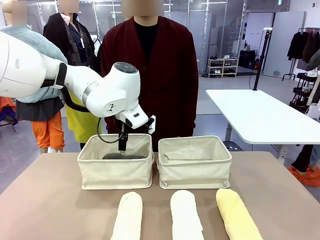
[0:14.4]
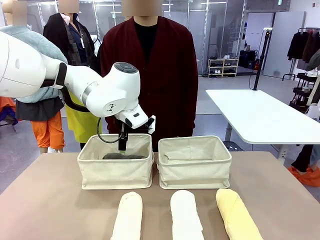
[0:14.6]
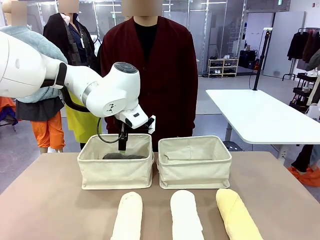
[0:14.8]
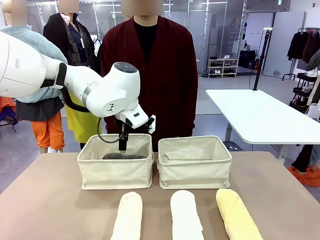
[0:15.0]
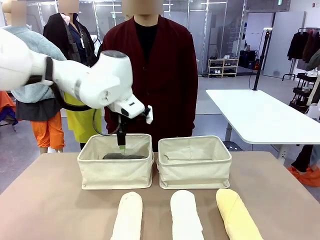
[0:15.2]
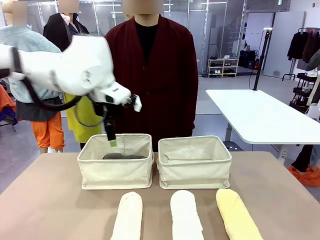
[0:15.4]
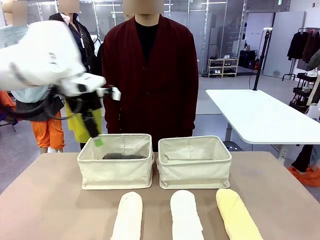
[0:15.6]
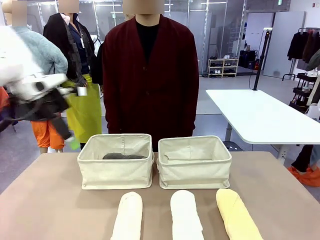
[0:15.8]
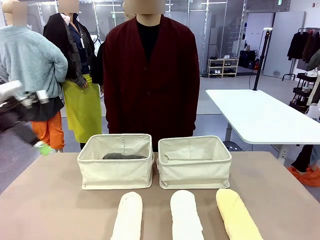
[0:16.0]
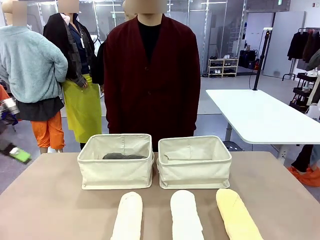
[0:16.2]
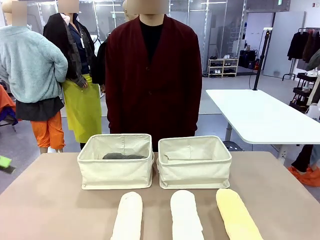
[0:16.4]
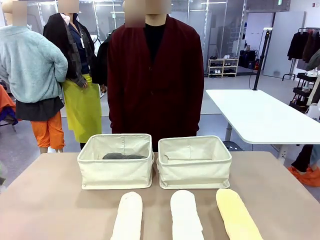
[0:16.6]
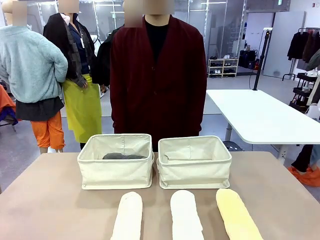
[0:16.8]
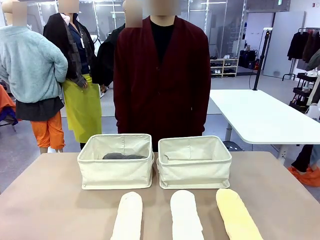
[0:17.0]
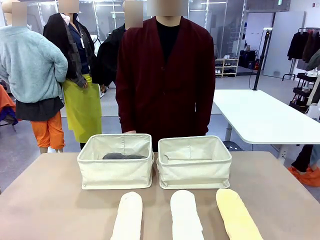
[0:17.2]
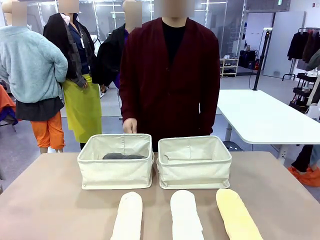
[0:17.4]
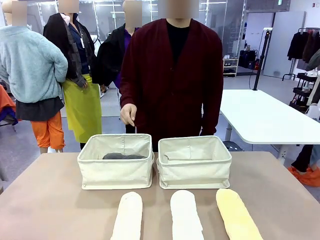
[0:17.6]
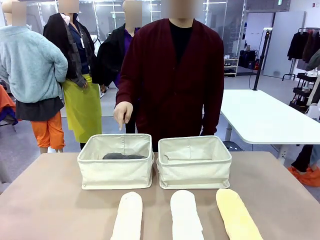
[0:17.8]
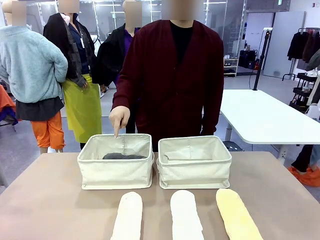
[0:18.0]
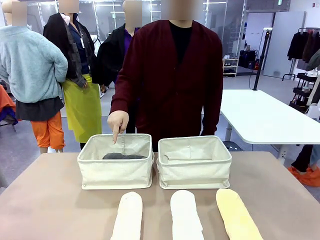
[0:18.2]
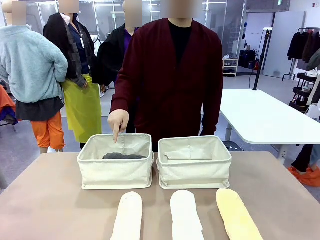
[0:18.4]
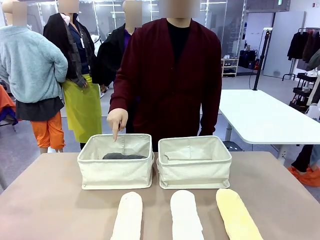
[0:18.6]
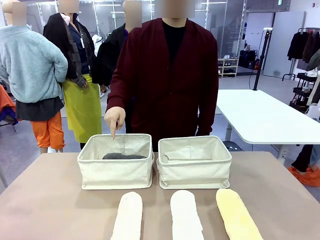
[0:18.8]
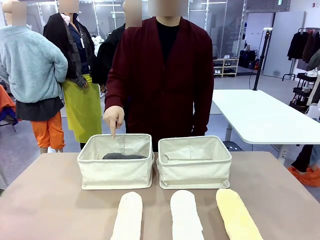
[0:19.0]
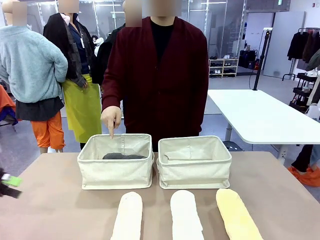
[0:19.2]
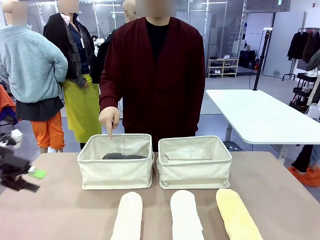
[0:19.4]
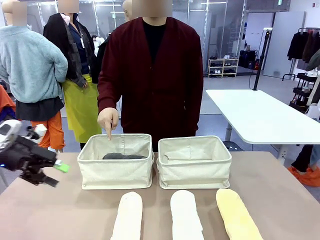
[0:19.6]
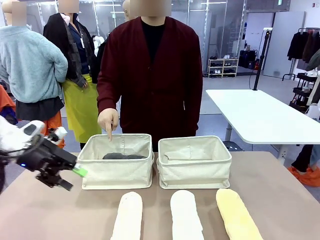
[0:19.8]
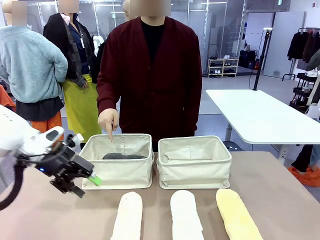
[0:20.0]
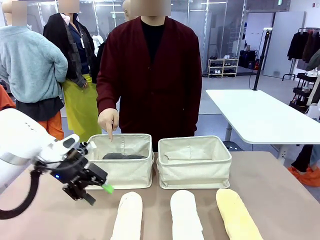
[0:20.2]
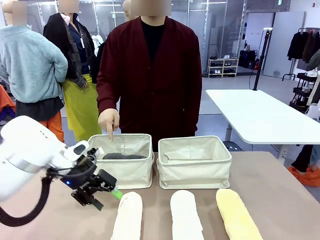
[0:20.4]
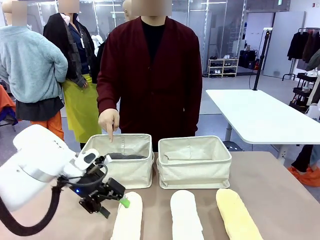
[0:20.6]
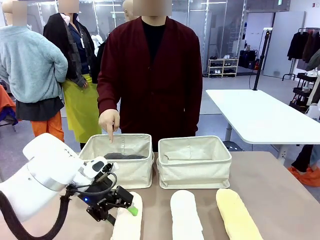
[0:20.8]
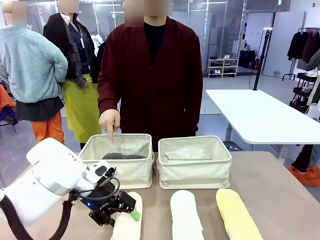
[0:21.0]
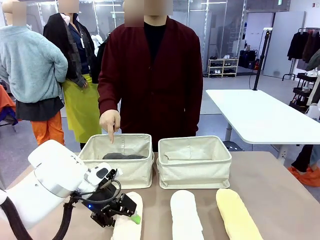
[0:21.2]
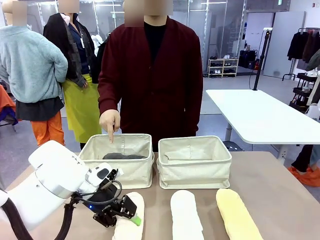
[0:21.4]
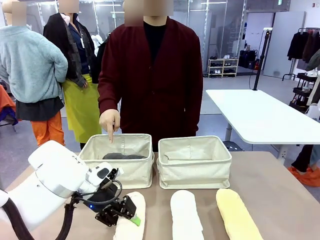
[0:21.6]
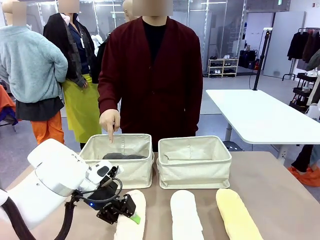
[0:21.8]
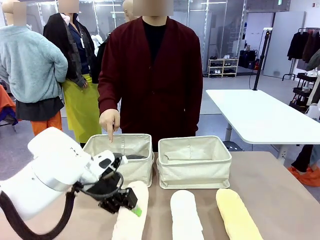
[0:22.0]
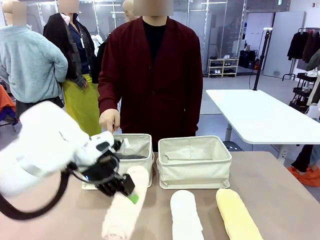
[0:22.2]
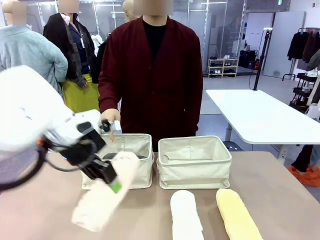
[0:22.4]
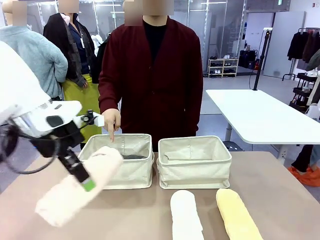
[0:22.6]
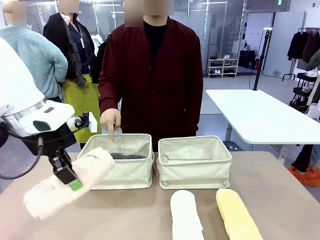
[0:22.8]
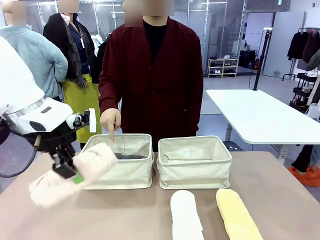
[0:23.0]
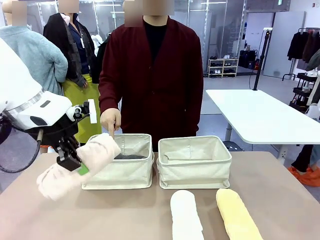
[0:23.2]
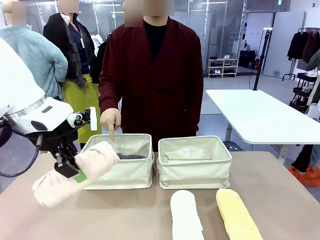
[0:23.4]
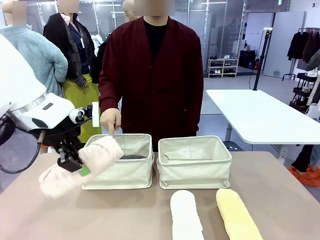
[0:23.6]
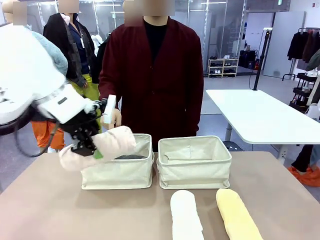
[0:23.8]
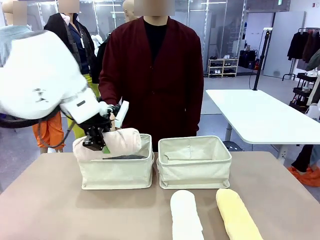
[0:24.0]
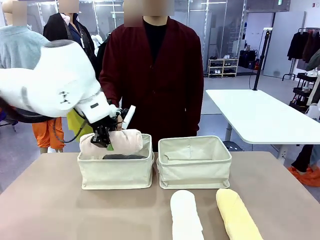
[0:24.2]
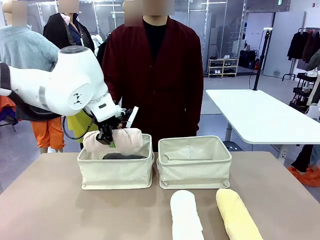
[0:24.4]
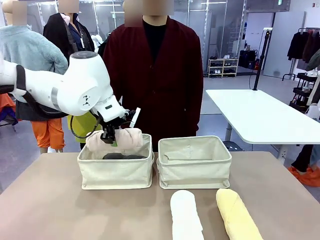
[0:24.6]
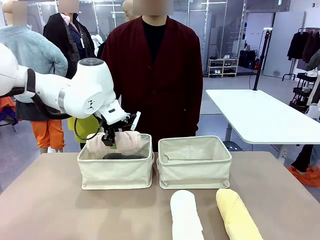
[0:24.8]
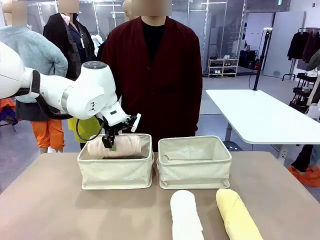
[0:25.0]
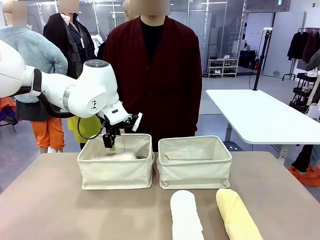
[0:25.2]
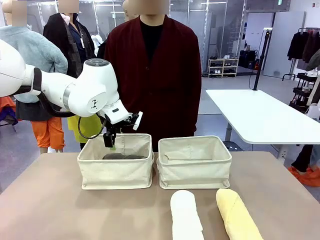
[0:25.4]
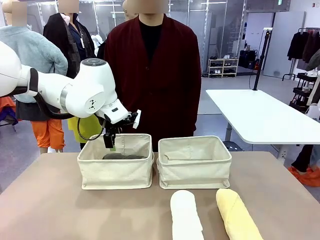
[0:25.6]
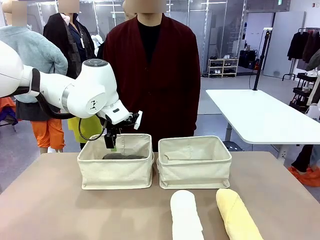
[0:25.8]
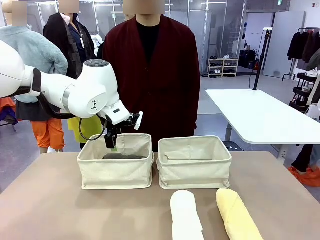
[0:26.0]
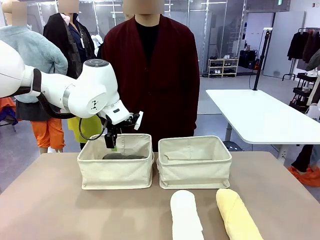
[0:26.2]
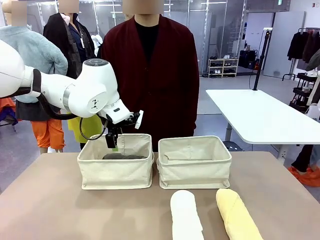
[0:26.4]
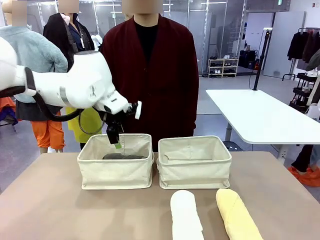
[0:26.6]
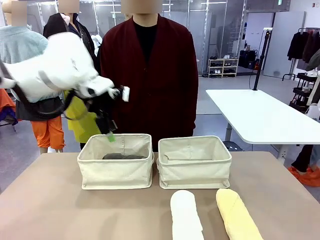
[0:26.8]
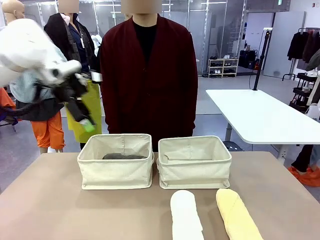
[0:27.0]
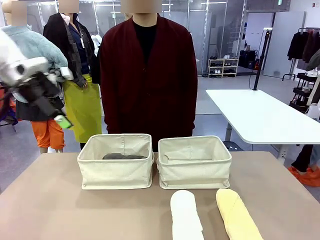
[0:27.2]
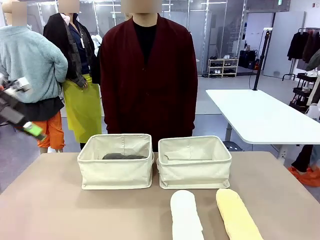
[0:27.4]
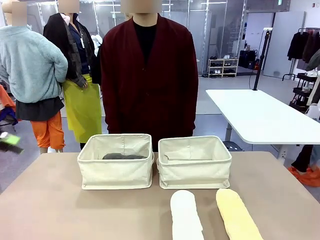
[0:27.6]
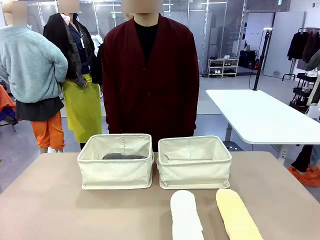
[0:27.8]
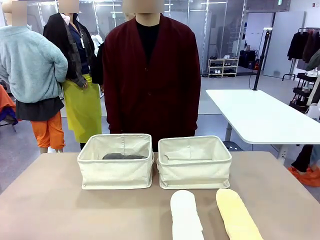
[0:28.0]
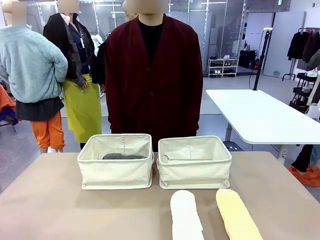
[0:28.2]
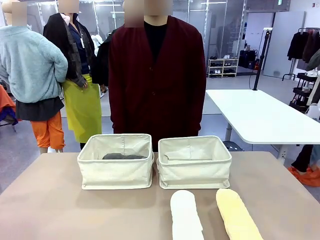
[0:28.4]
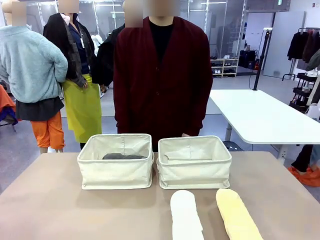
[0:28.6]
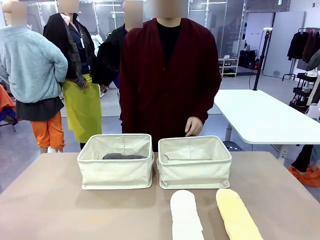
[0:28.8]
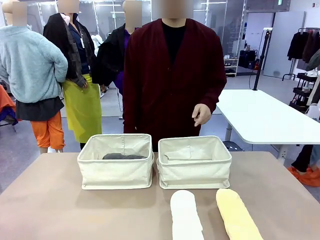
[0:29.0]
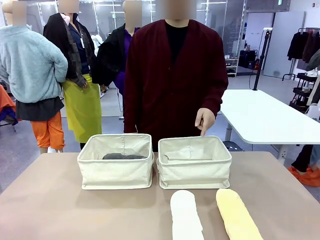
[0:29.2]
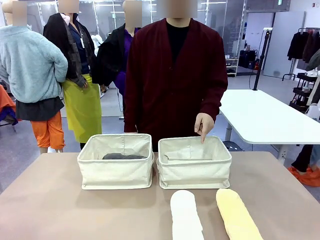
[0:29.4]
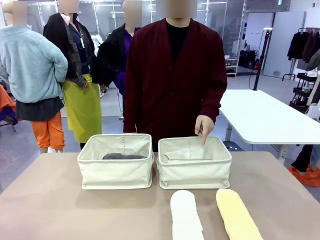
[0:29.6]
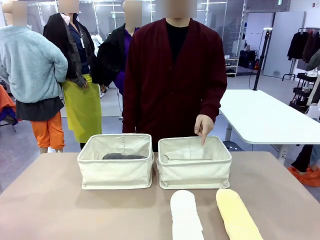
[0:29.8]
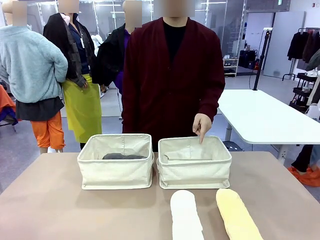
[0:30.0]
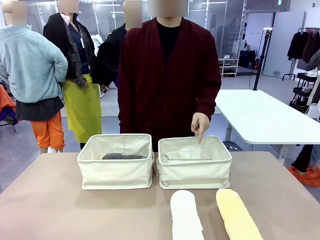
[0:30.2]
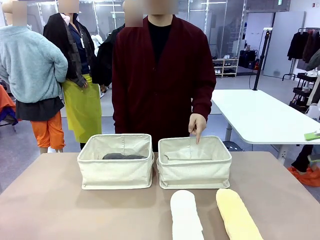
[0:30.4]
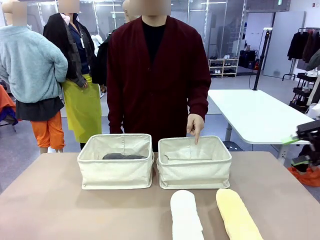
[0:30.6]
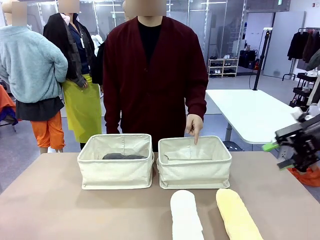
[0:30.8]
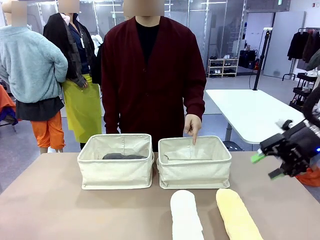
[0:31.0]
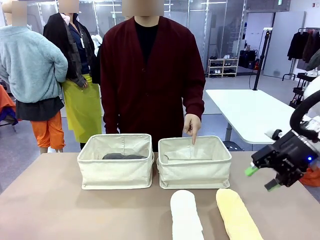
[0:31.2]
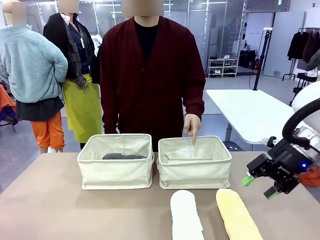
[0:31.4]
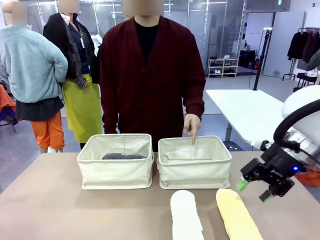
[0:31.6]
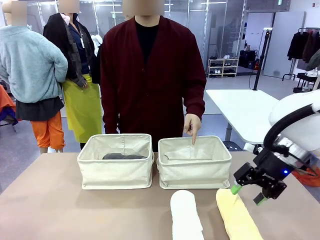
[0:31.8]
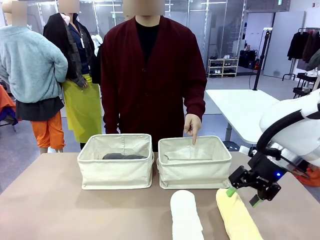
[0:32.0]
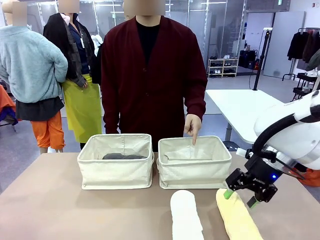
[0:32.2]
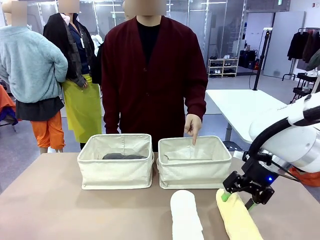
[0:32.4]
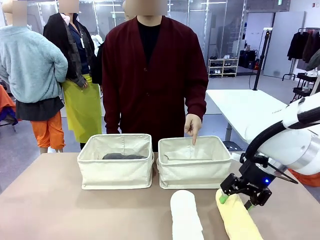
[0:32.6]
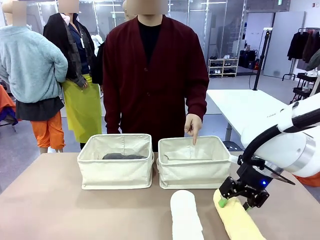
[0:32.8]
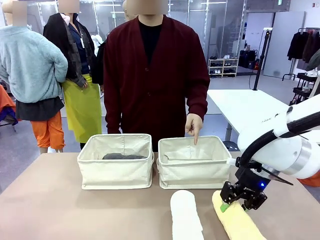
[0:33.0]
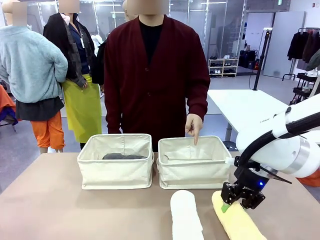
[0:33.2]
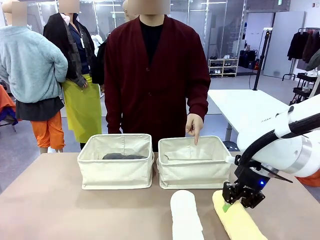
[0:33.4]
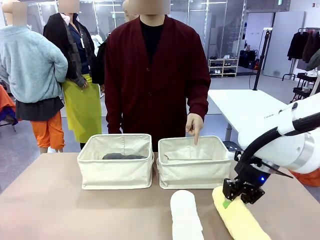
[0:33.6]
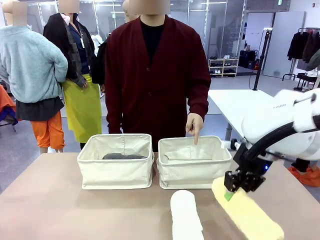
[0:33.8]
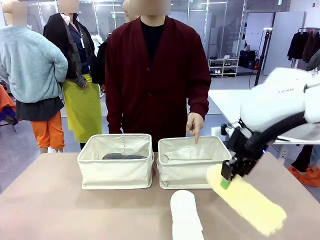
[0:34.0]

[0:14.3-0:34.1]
Task: Divide the towels into two baskets.
Robot: Pick up one hotel-folded towel from the bottom of the table and place it in the Fabric basket indicated by the person.
